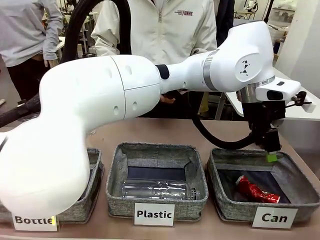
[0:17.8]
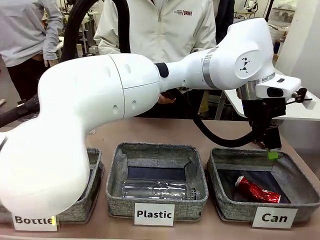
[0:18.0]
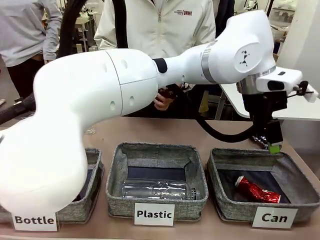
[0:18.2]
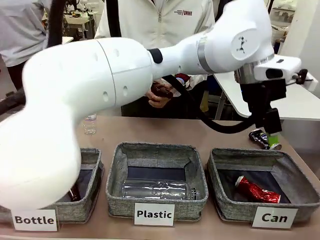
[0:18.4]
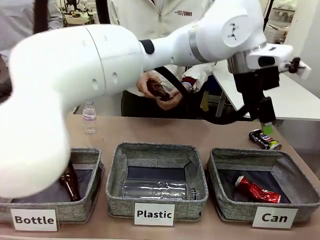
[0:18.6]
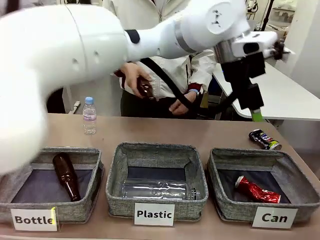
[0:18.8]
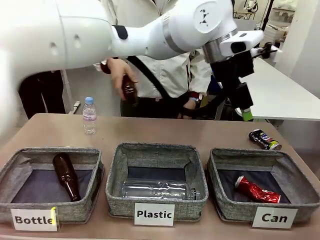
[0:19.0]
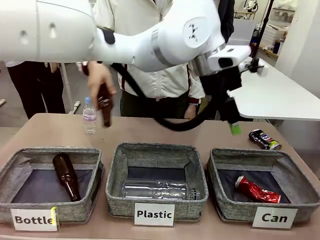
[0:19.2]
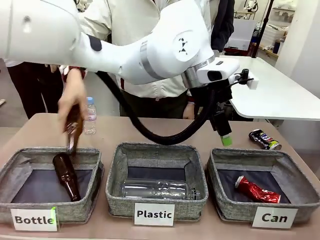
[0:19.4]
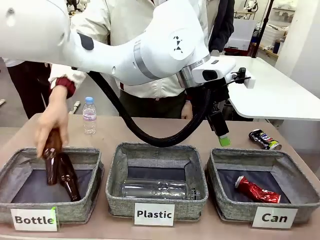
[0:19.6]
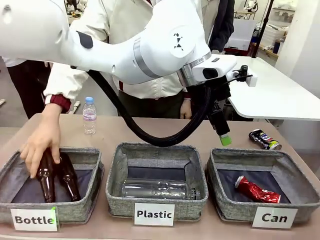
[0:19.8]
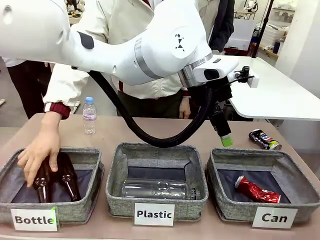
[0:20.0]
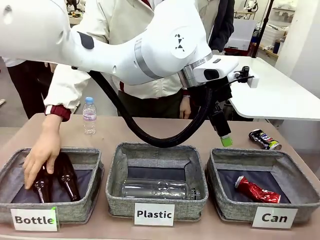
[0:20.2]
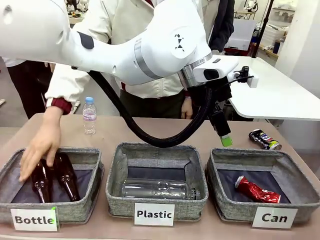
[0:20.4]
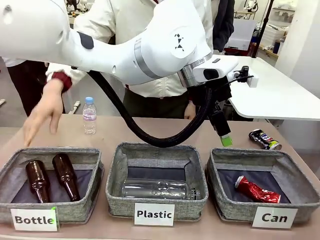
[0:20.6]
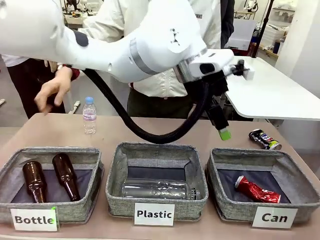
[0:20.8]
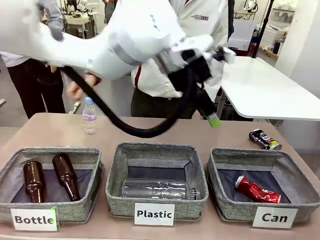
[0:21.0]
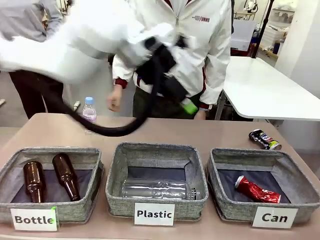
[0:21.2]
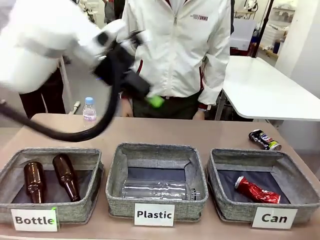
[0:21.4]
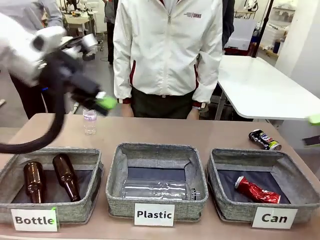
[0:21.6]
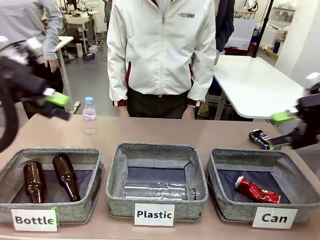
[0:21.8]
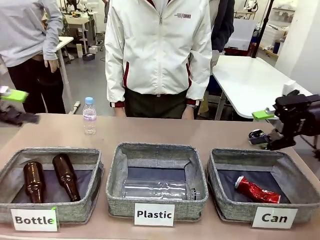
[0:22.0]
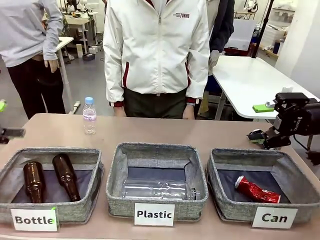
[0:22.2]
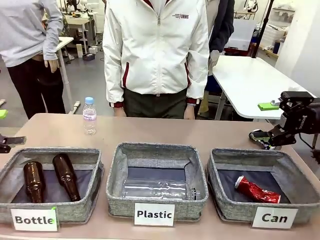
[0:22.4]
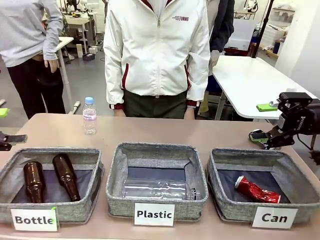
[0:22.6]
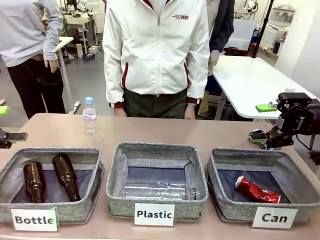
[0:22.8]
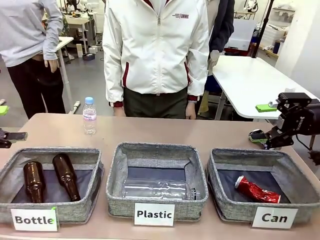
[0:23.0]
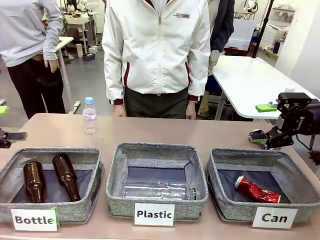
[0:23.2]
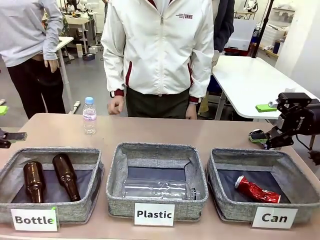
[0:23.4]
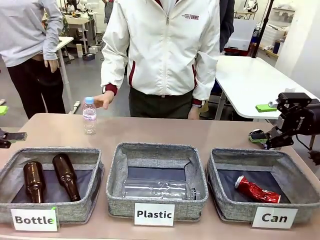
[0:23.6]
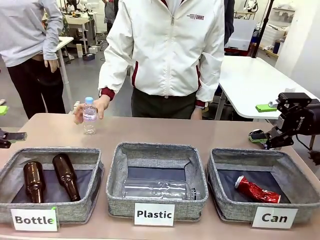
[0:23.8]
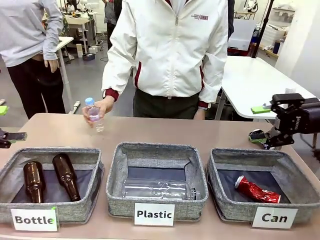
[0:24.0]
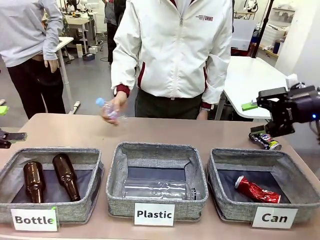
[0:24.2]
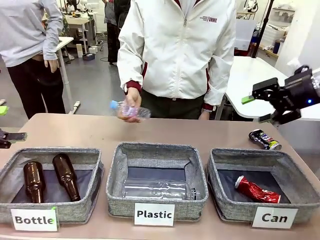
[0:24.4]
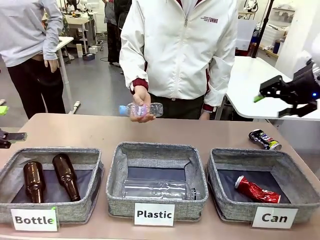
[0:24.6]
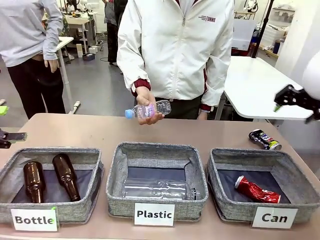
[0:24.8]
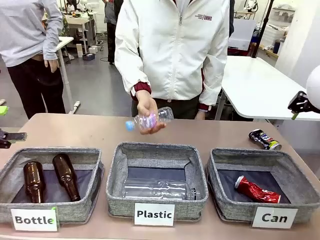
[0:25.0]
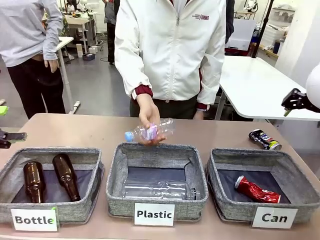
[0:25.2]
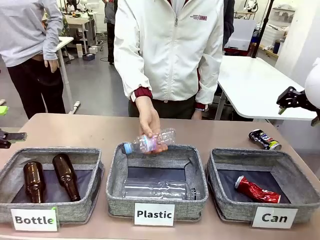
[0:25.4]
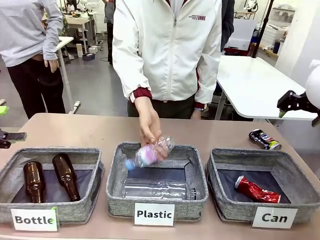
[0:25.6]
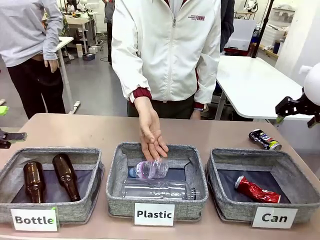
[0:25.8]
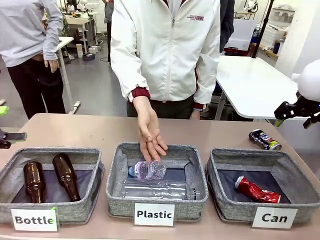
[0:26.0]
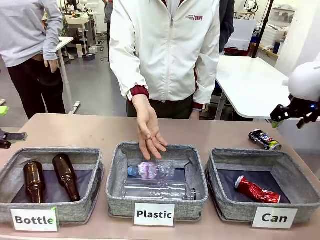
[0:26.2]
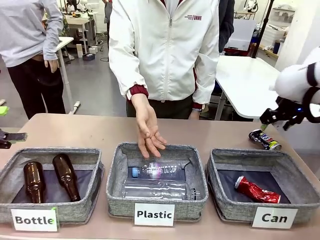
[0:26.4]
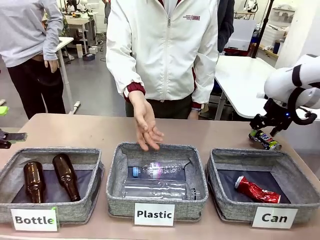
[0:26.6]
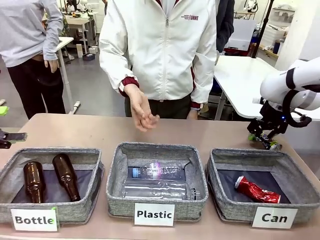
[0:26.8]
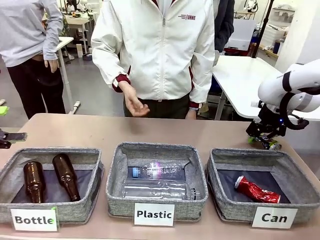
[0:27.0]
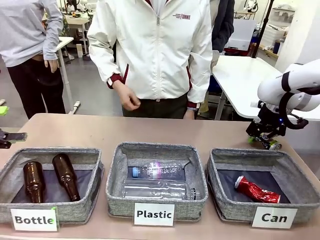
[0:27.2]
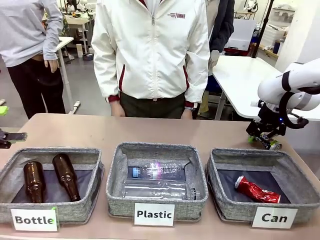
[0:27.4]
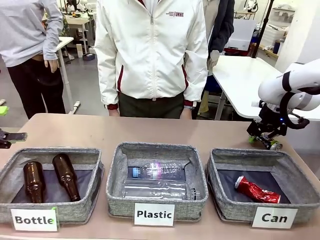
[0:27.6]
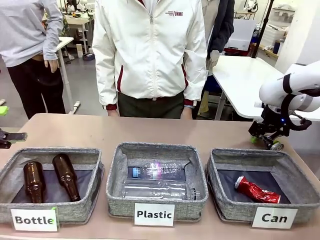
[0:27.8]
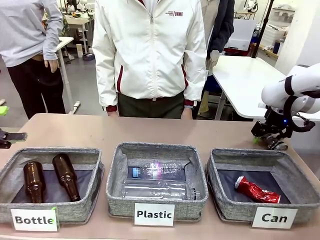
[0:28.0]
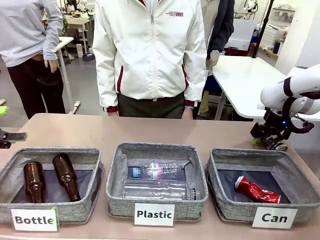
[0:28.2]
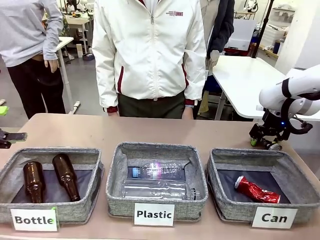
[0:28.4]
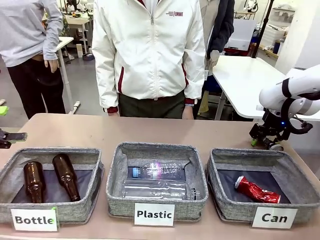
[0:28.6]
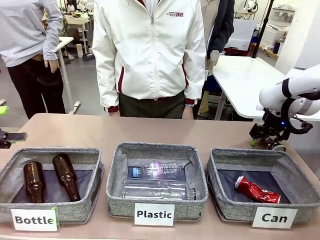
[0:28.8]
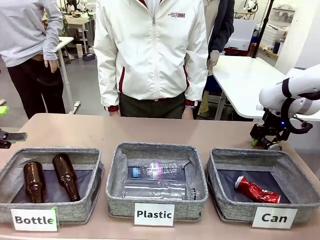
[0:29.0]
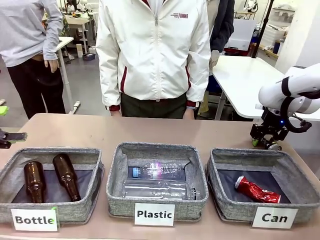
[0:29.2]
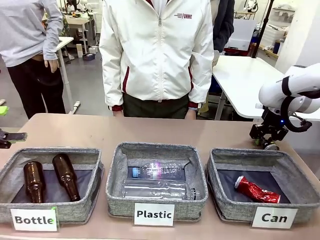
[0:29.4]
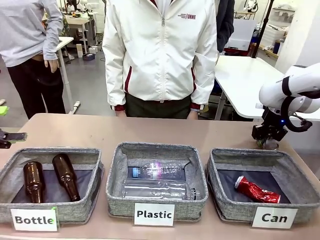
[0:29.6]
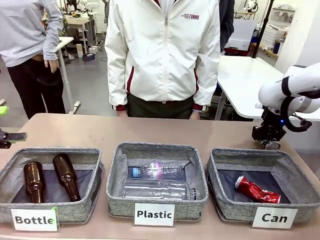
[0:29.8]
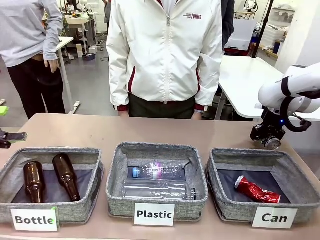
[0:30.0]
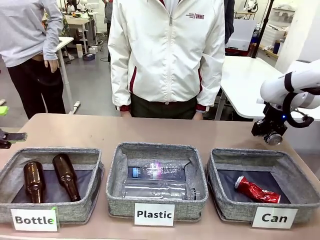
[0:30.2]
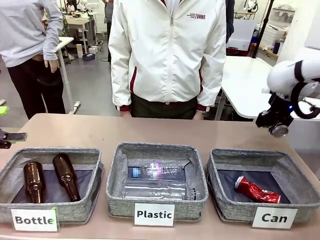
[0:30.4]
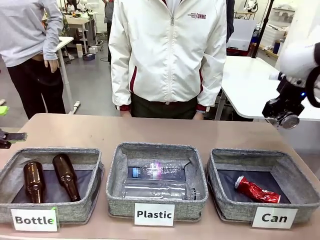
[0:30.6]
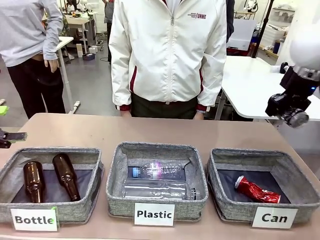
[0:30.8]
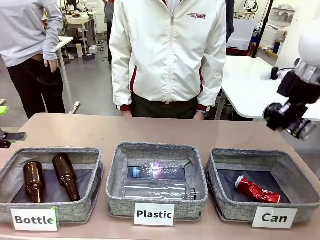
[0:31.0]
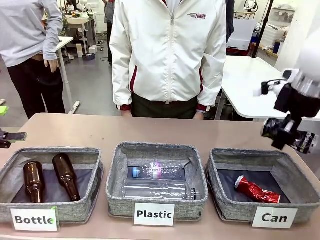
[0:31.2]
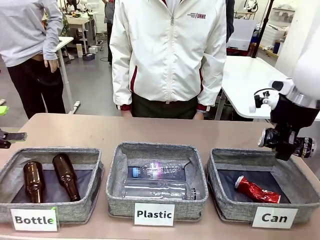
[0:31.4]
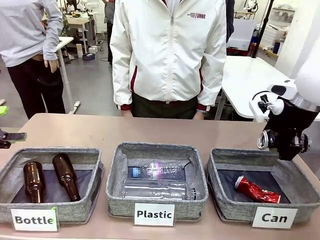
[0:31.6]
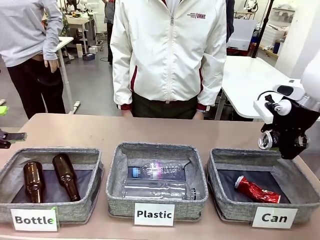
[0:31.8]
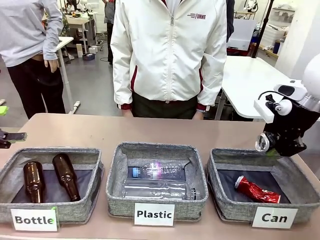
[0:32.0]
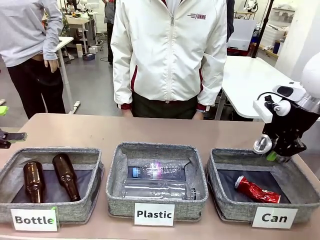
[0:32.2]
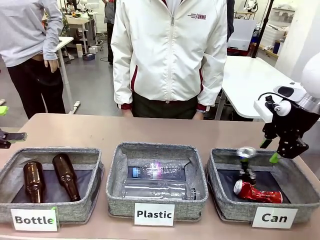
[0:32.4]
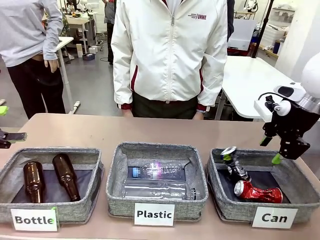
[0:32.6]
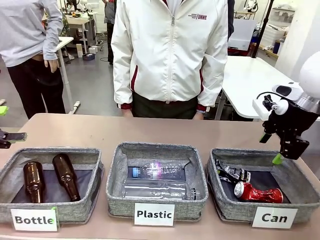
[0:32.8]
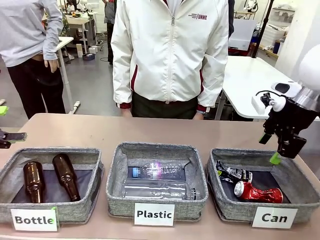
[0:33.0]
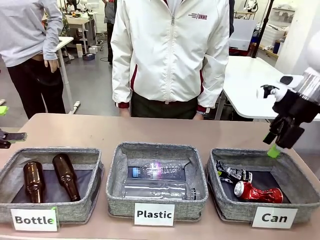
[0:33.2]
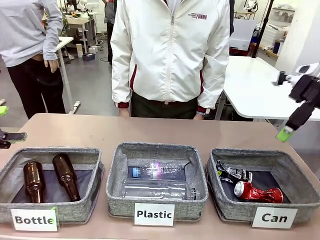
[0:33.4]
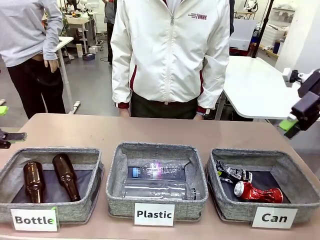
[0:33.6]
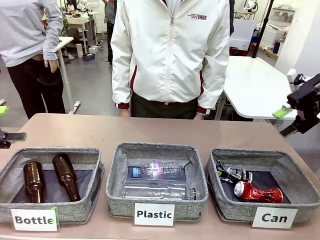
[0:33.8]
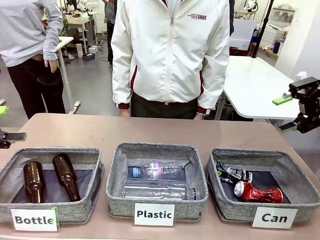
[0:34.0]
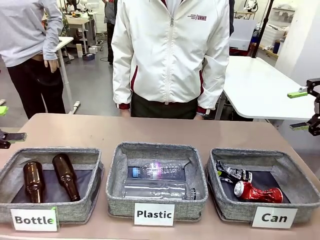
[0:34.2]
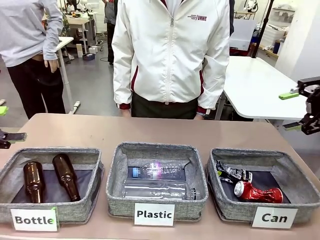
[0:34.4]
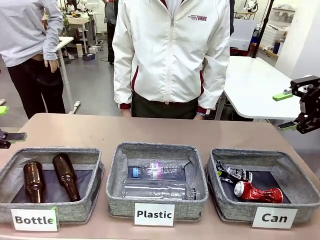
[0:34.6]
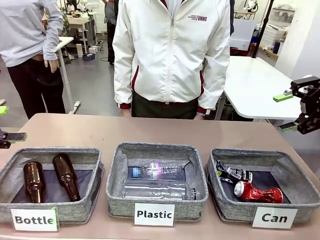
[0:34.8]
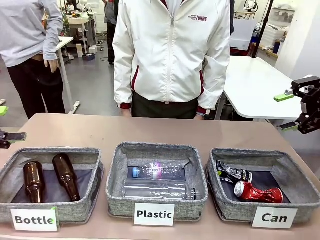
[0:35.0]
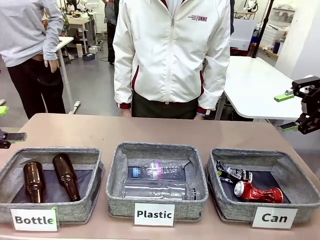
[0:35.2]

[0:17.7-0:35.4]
Task: Sort the can waste into the basket.
Robot: Pick up the can waste from the table and place it in the right Fabric basket.
